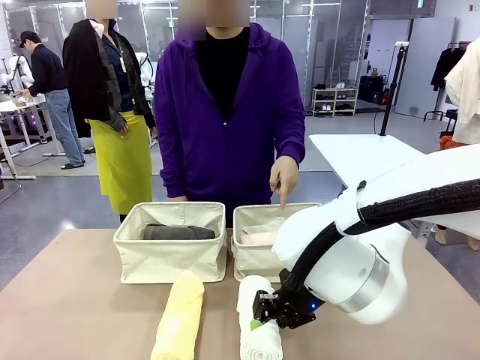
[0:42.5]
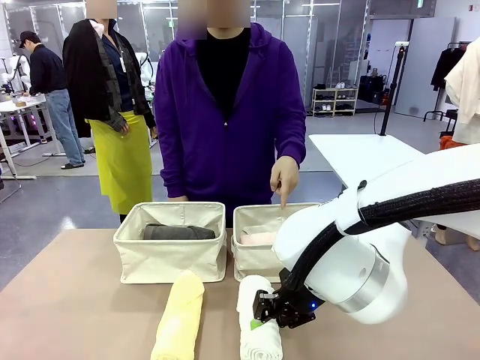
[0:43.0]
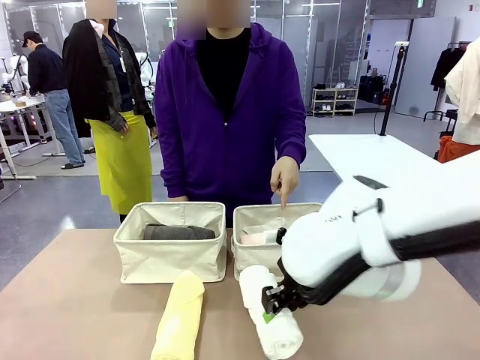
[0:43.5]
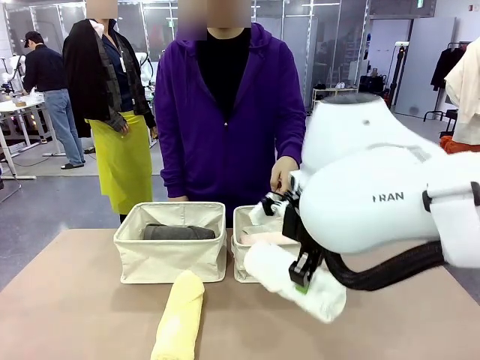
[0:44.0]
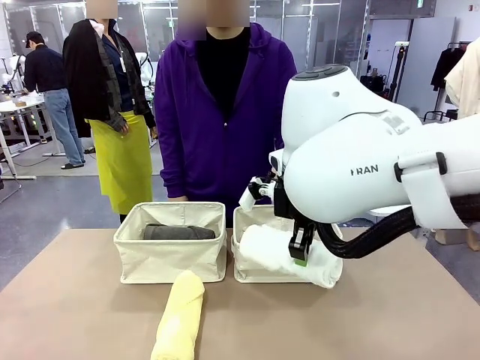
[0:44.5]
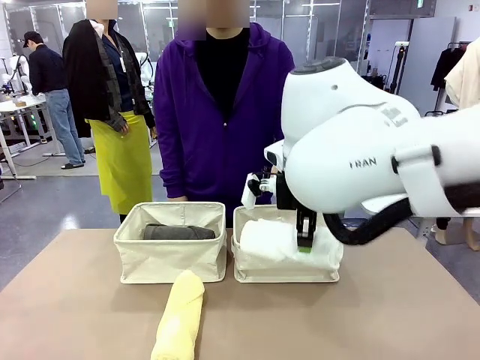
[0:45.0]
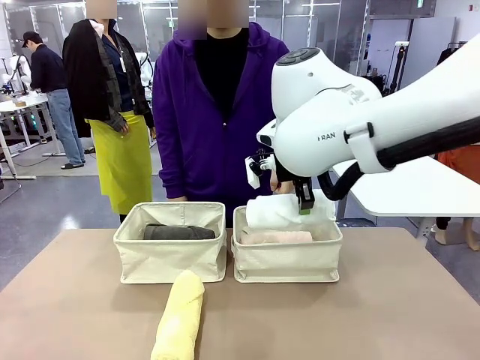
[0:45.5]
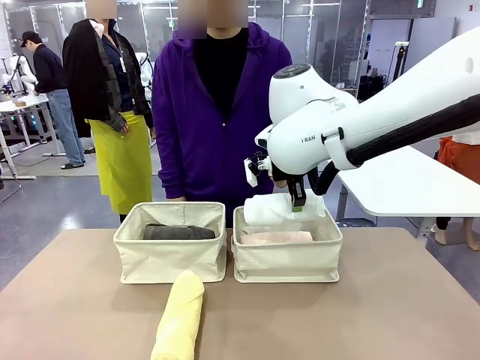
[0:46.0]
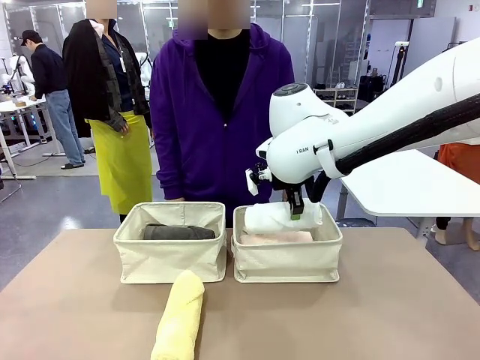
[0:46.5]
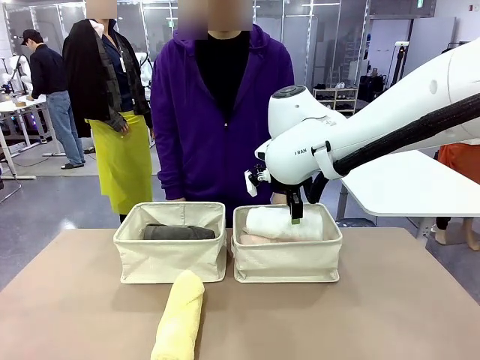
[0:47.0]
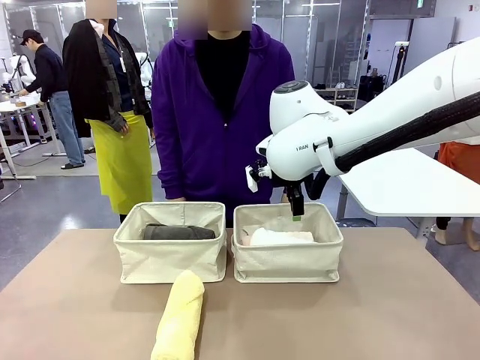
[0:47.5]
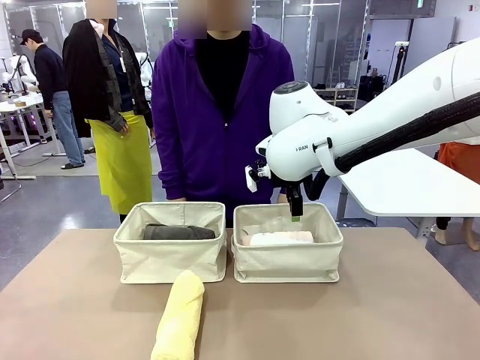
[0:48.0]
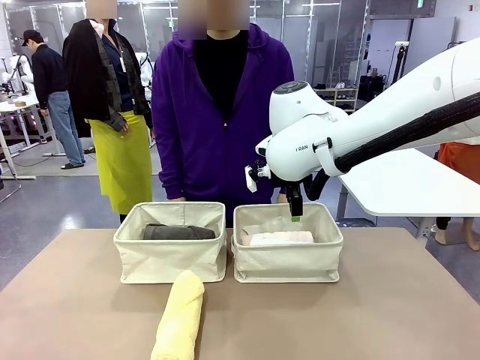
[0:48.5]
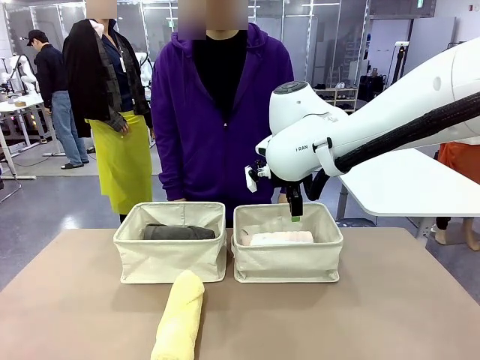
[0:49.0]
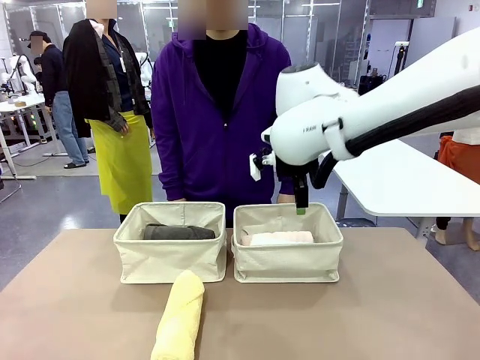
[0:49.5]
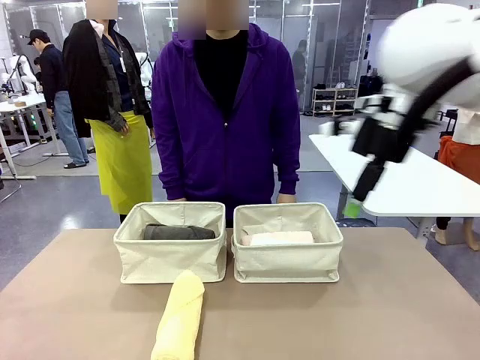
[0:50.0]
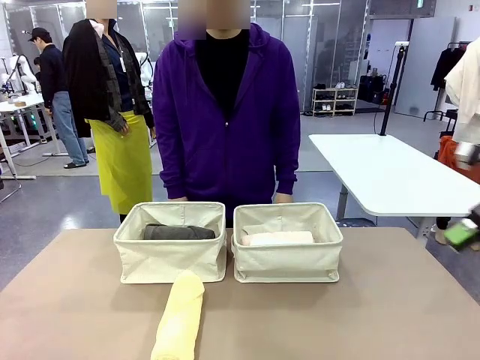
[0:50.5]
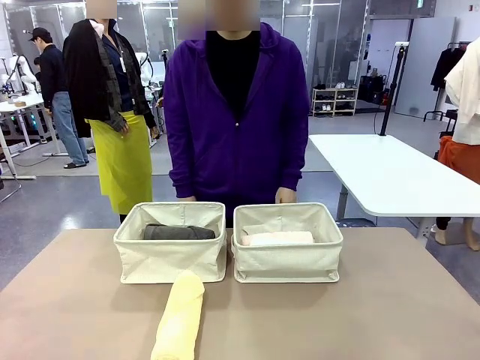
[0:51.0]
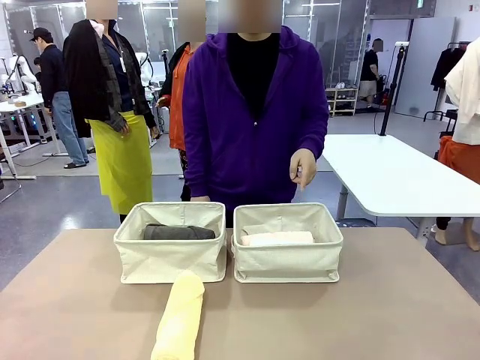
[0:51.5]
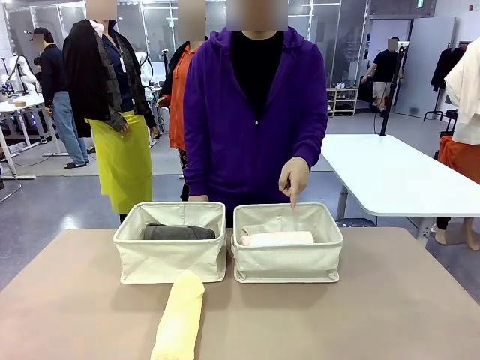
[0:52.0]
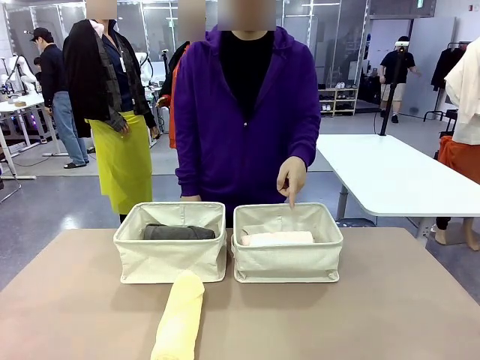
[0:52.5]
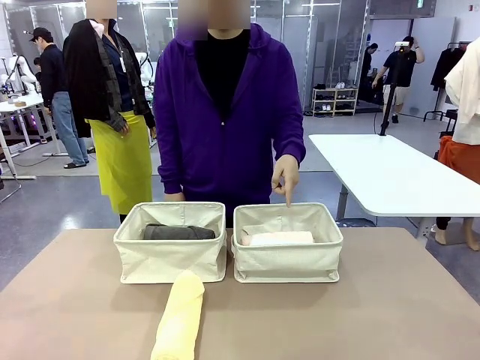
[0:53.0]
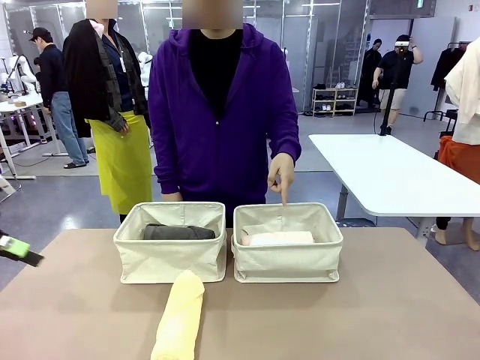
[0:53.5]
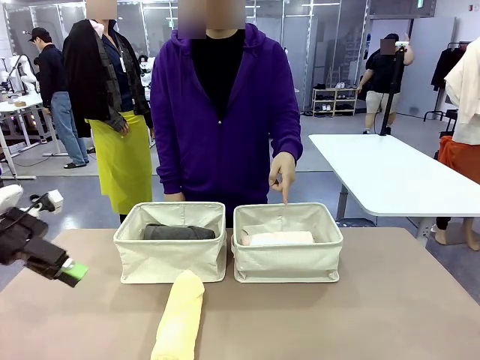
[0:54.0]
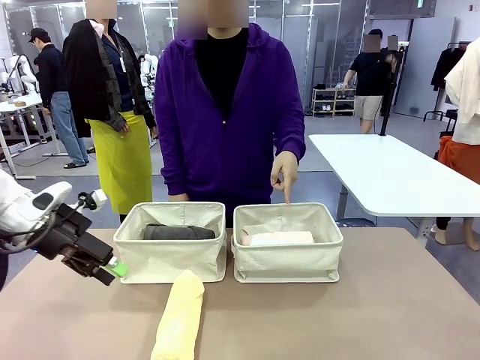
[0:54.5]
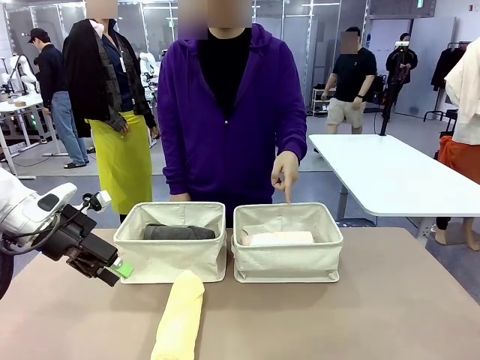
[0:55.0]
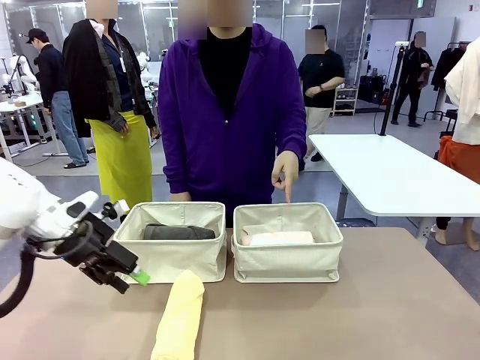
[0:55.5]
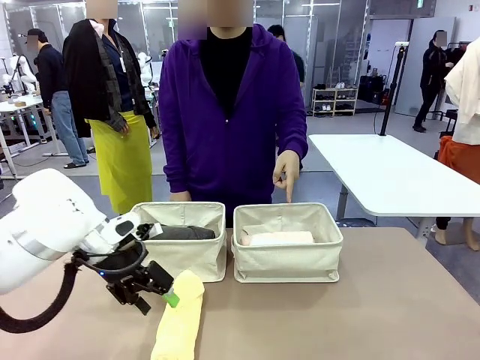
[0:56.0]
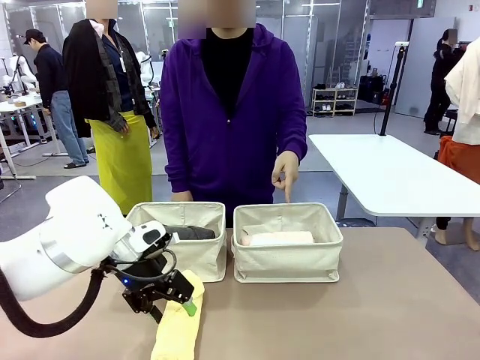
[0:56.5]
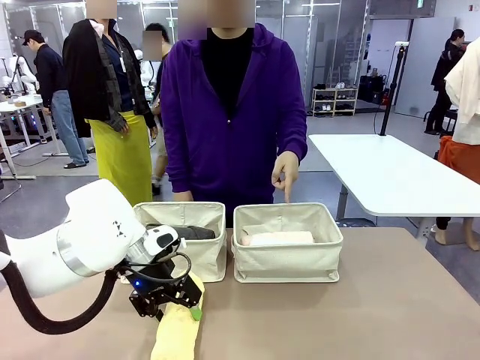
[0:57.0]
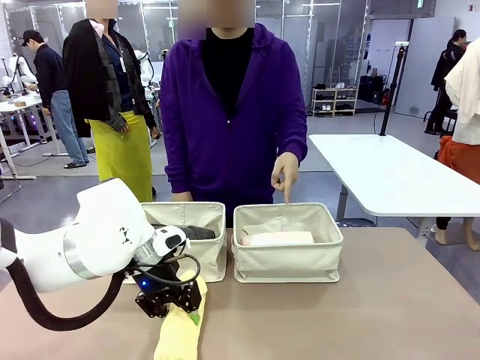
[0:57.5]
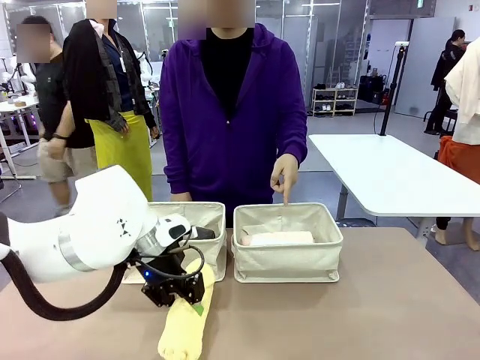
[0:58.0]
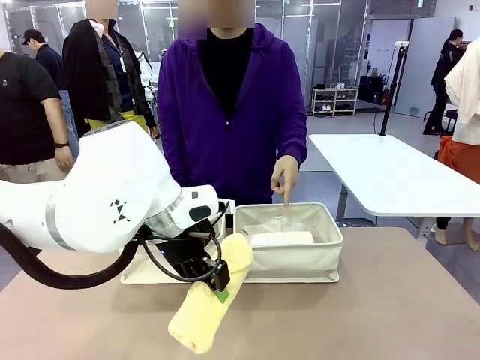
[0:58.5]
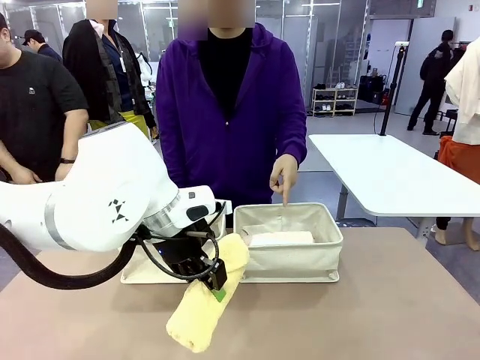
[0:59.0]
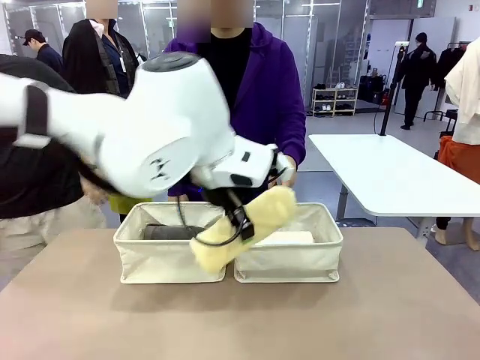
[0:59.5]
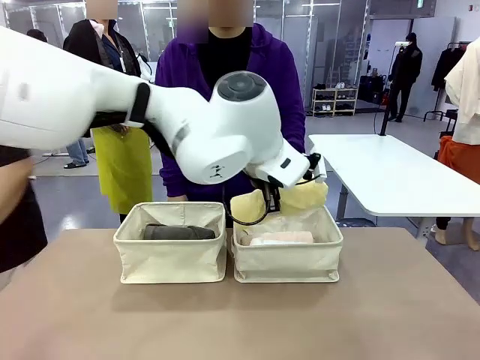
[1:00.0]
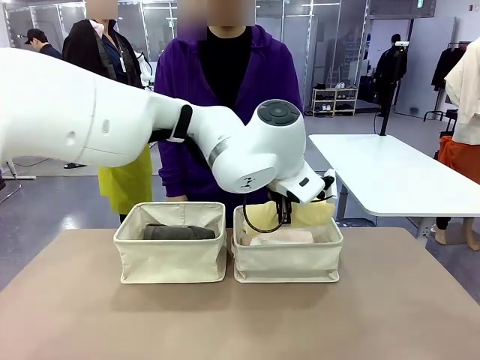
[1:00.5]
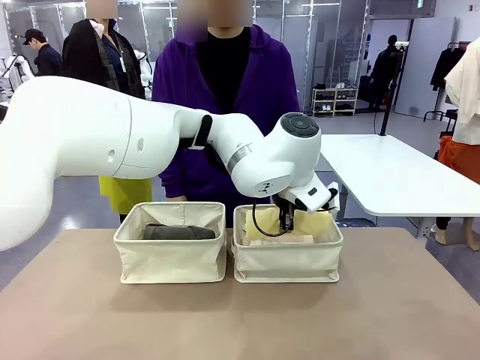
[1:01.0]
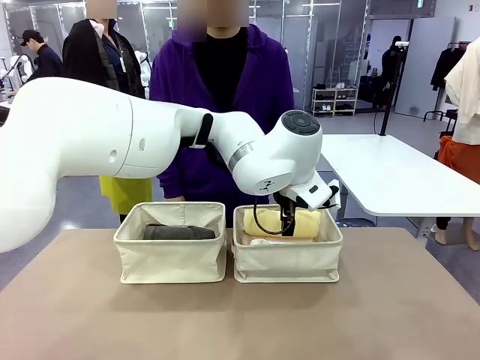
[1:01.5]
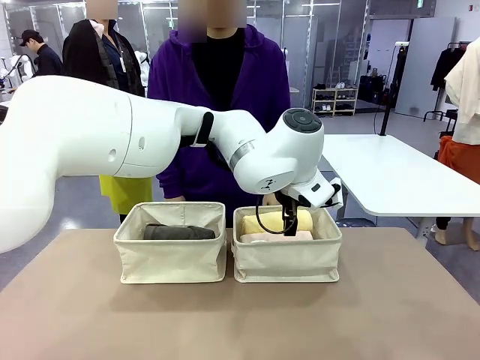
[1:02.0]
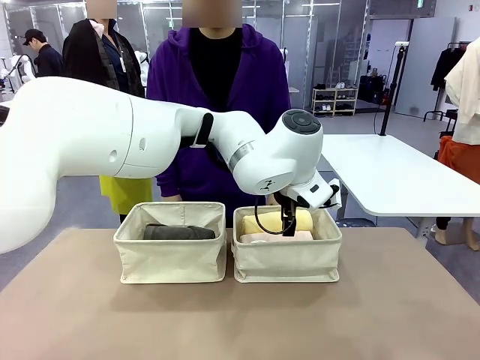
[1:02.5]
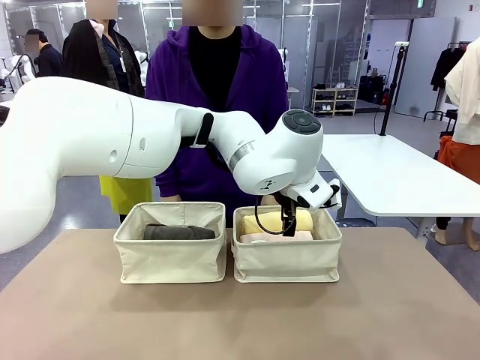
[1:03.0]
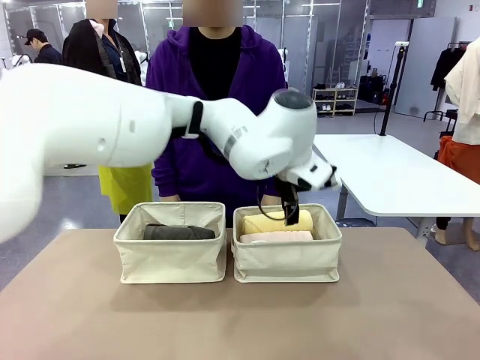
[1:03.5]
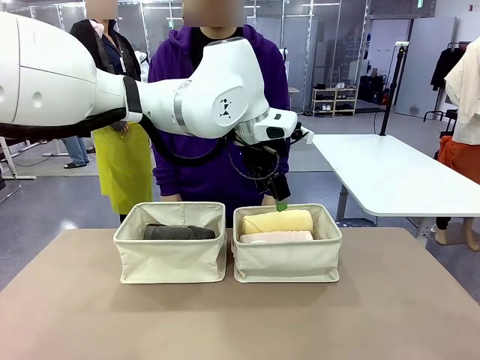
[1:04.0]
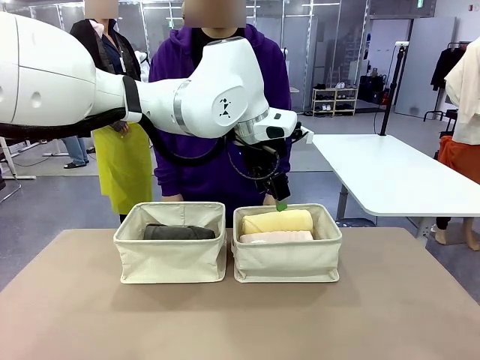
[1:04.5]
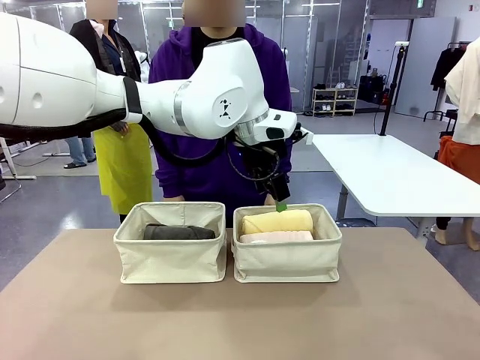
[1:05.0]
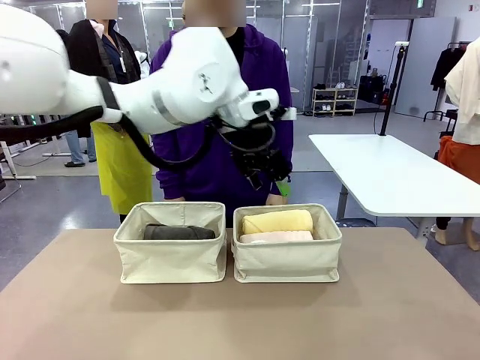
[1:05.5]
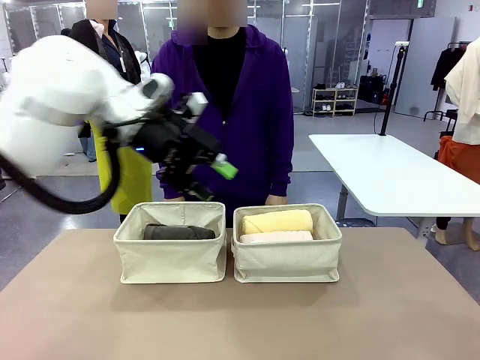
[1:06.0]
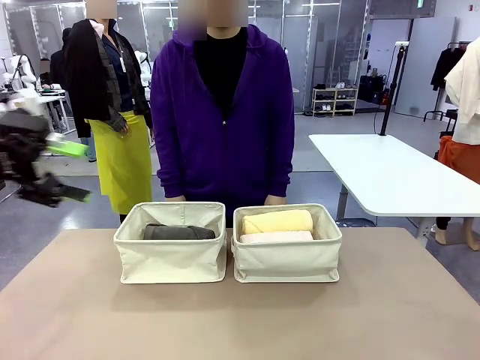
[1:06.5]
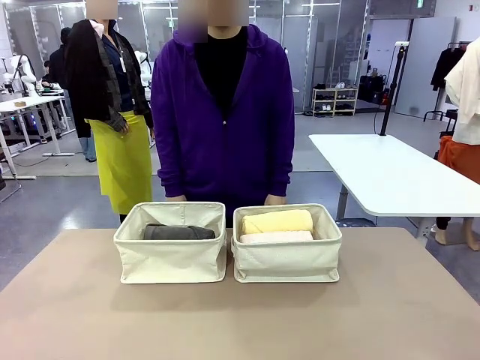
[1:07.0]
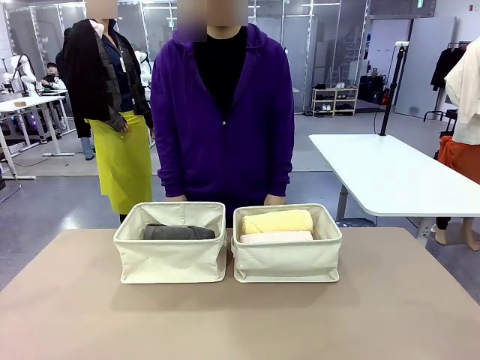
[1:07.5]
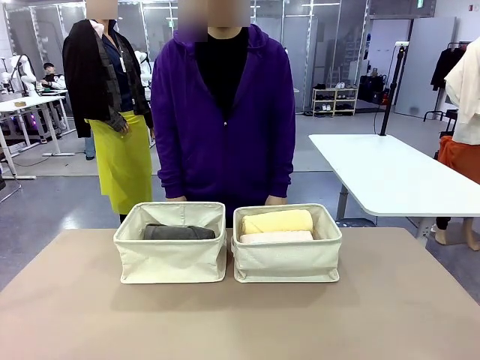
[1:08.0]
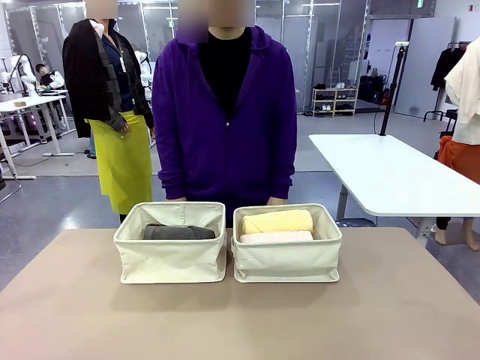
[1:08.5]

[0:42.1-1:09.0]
Task: Divide the towels into two baskets.
Robot: Pick up one hotel-folded towel from the bottom of the table and place it in the Fabric basket indicated by the person.

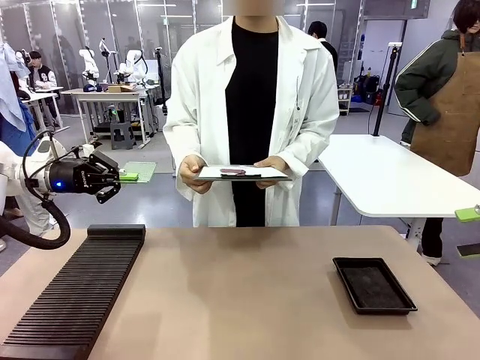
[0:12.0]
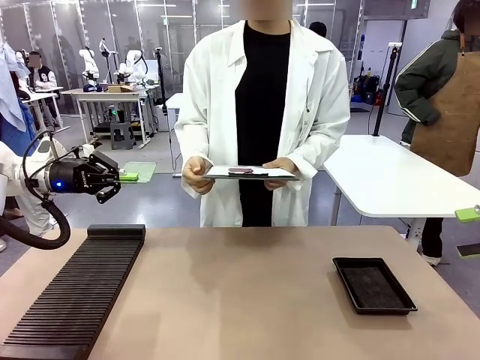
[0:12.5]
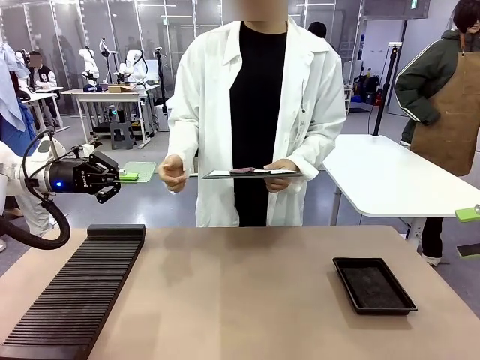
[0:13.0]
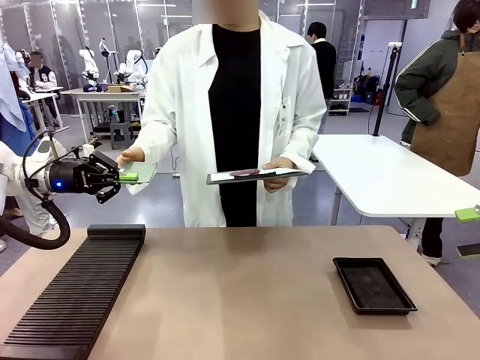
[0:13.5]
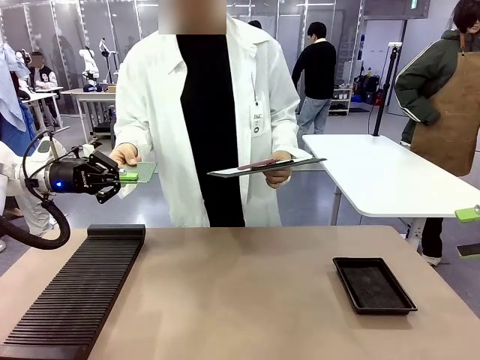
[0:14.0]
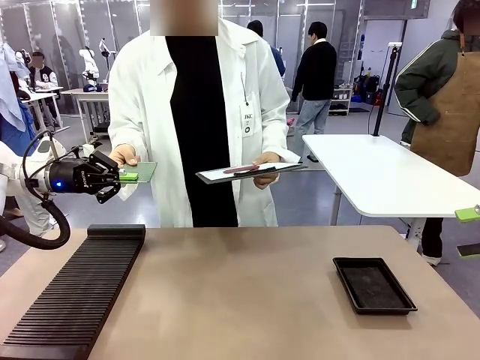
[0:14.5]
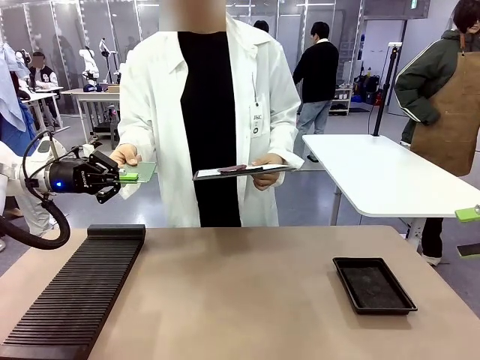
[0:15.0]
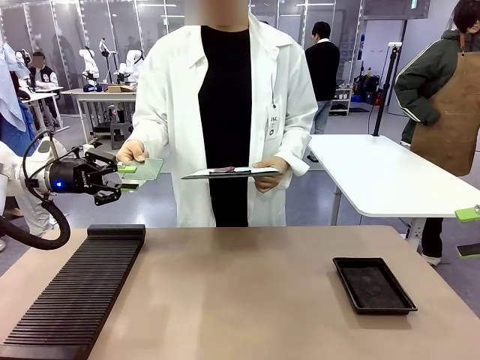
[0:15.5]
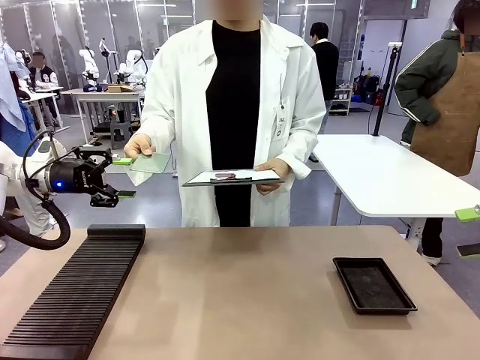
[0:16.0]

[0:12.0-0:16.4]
Task: Inspect the PCB.
Robot: Release the Blank PCB you were holding.
